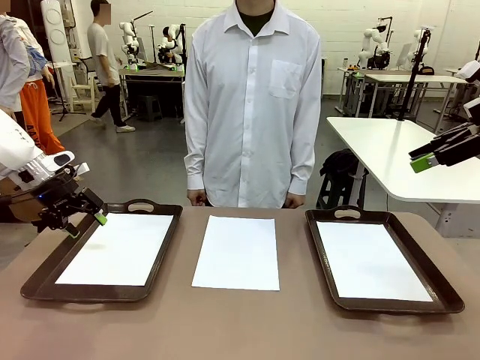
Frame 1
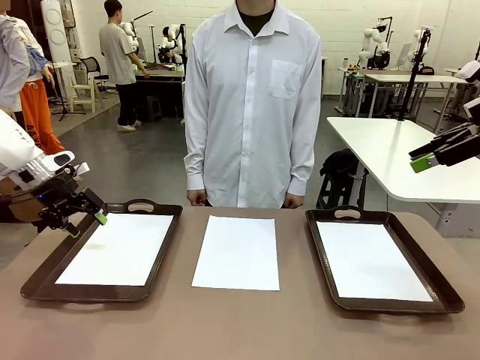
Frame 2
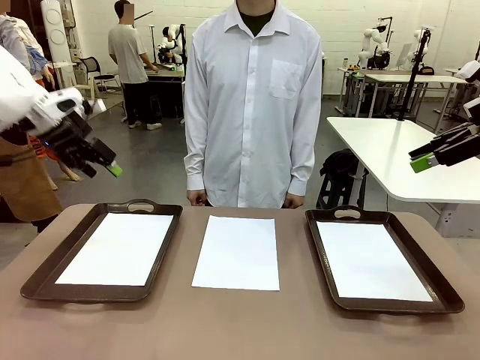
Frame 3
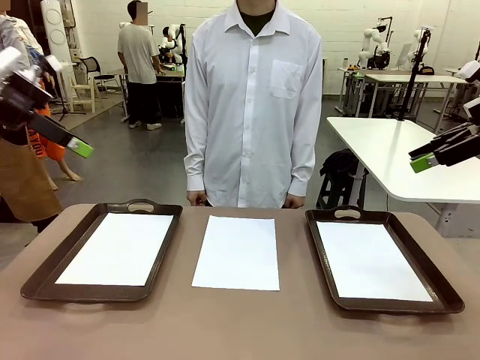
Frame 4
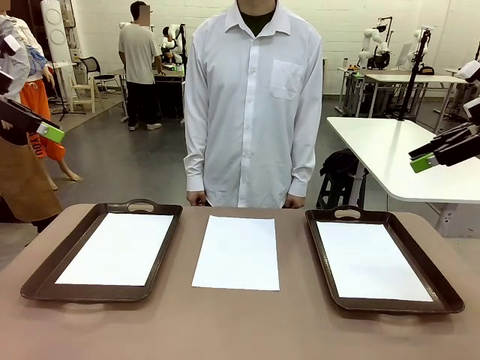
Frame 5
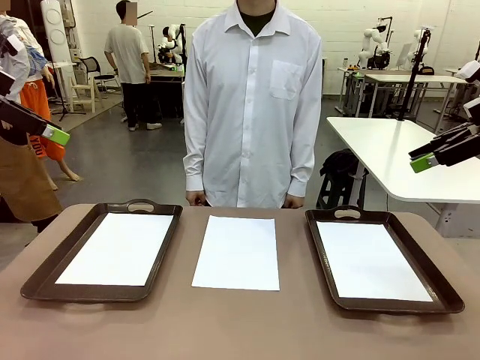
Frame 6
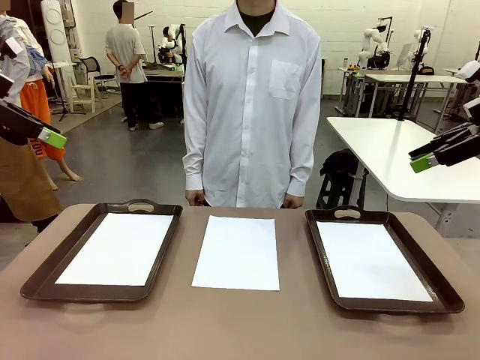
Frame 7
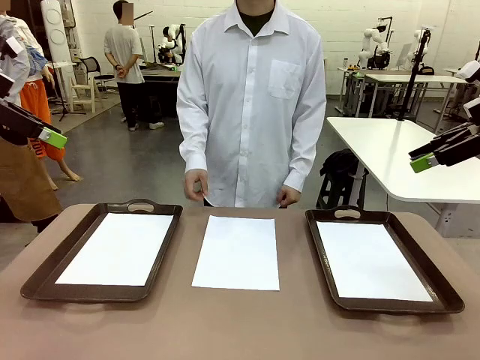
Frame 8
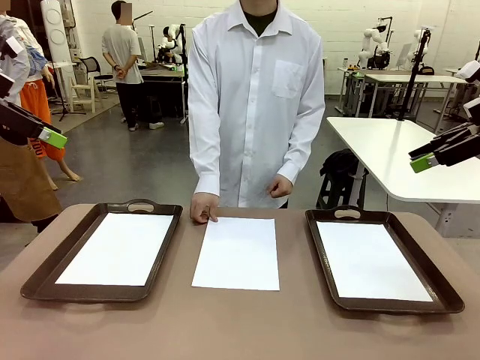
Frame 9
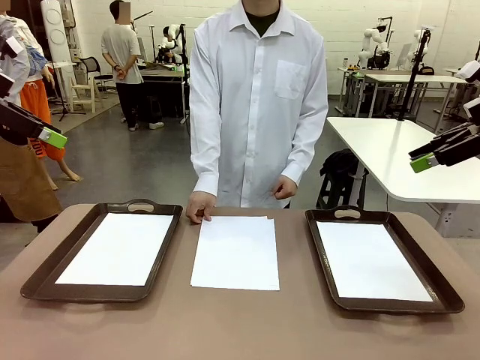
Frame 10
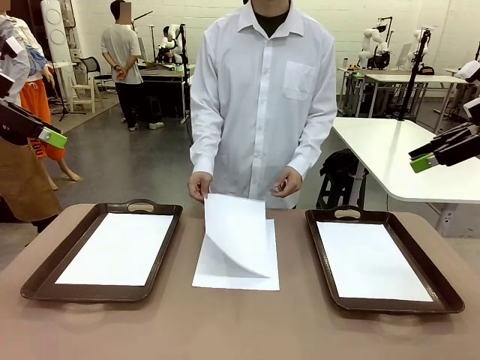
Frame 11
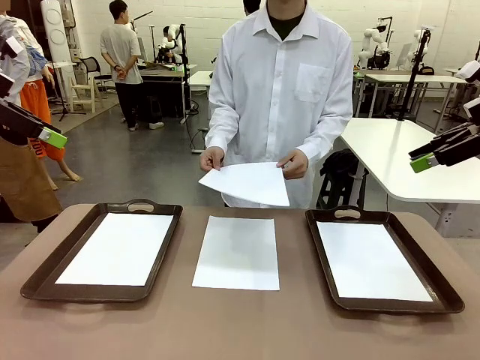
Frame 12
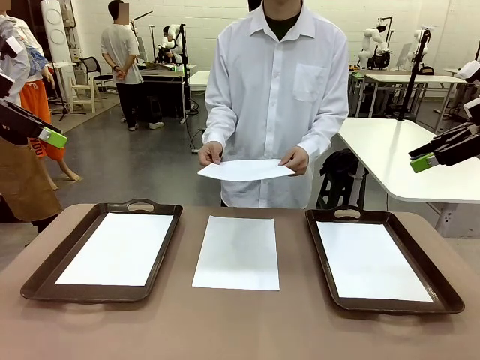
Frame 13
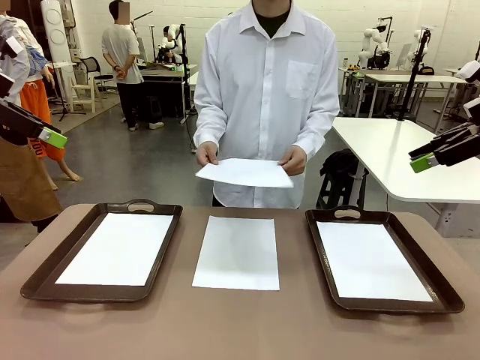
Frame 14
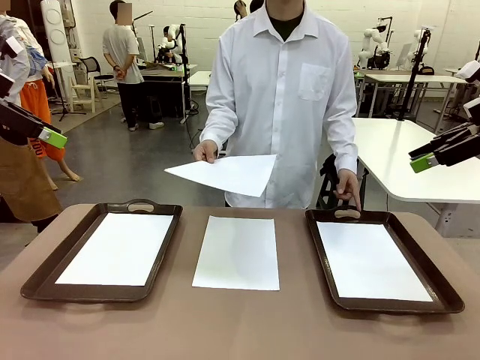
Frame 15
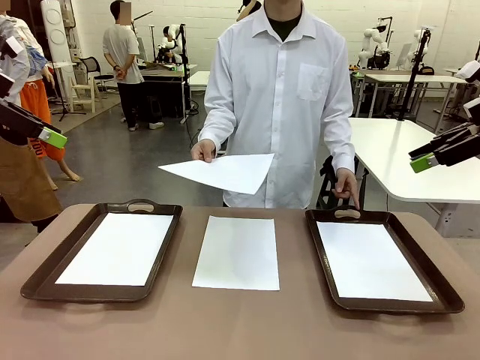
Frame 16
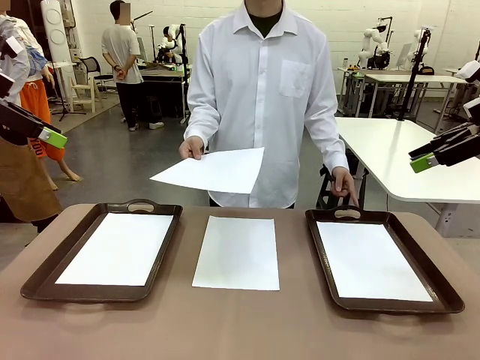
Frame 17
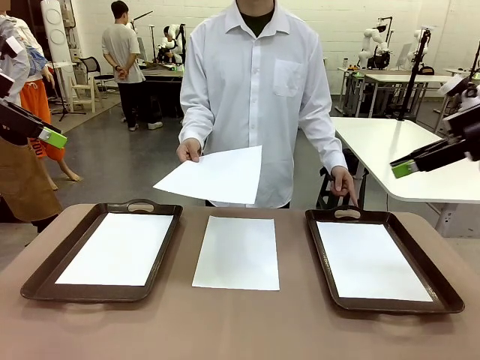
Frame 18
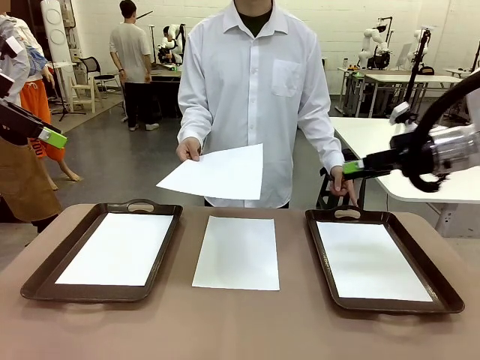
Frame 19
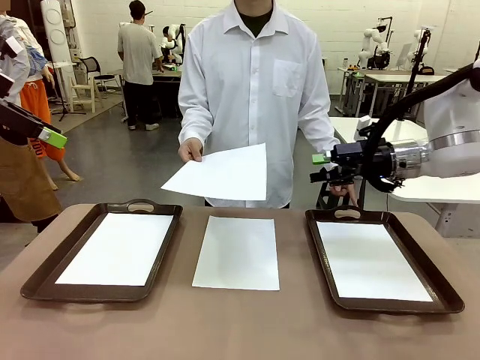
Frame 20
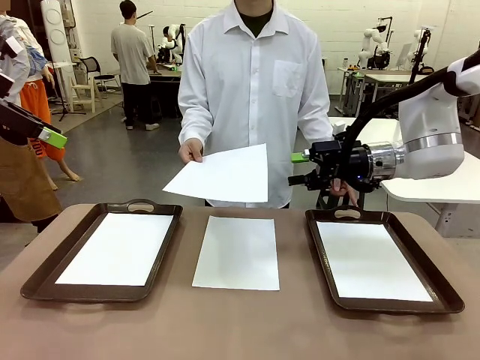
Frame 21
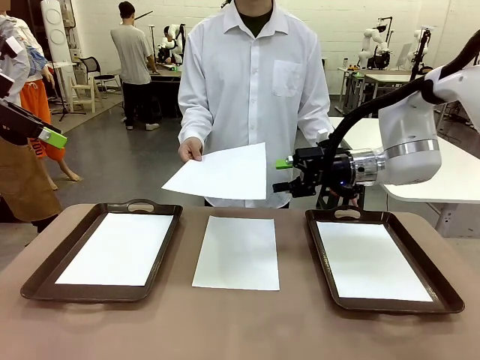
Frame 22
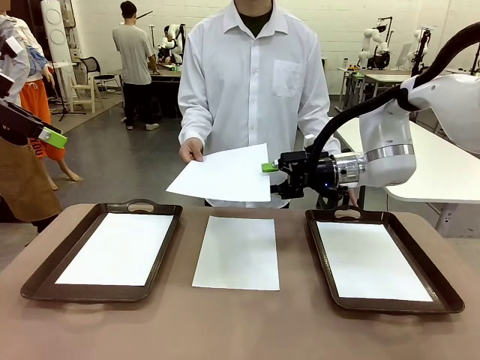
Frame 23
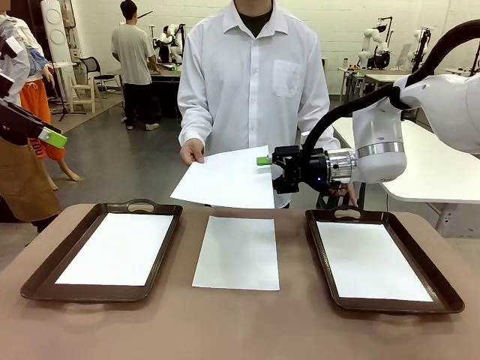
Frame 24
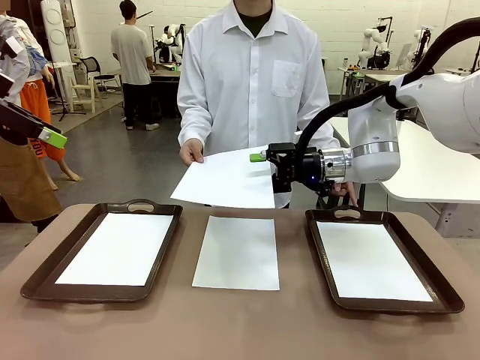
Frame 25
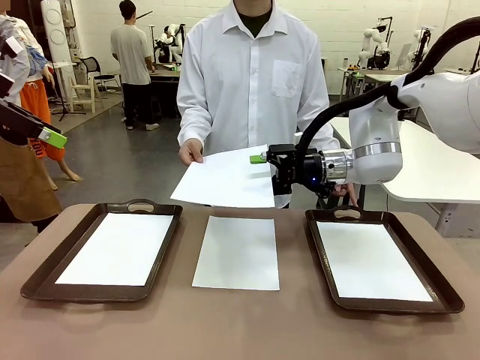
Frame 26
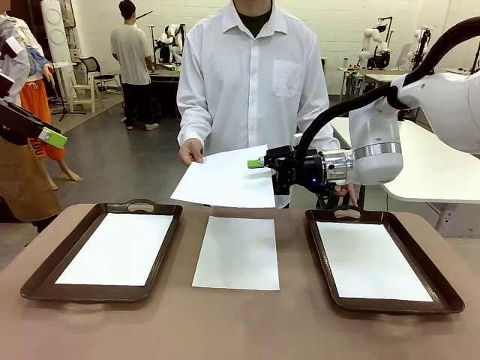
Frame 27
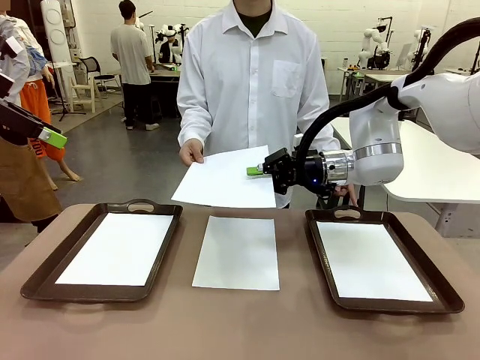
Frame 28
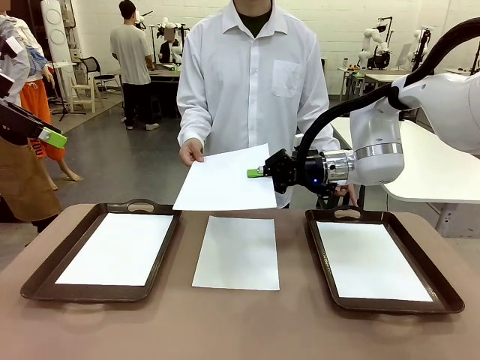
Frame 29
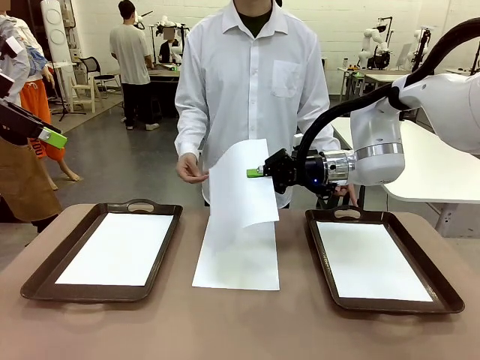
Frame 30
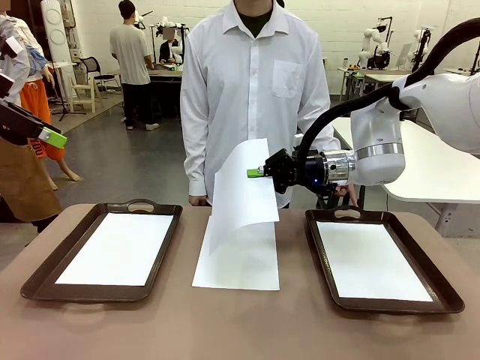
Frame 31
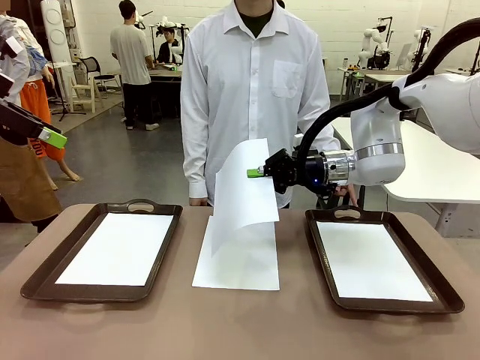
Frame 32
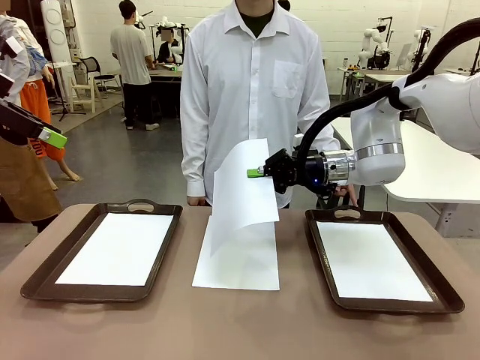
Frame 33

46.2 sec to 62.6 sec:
Task: Sort the A4 documents.
Robot: Receive the A4 Paper.
Person: Point the randomly selected tray with the other hand.

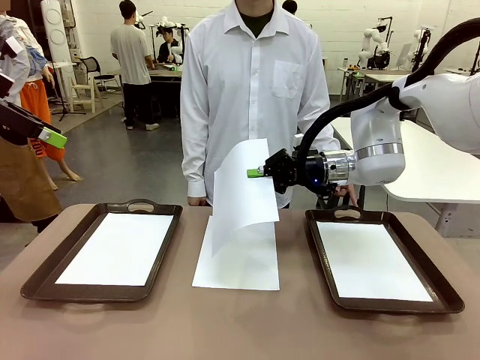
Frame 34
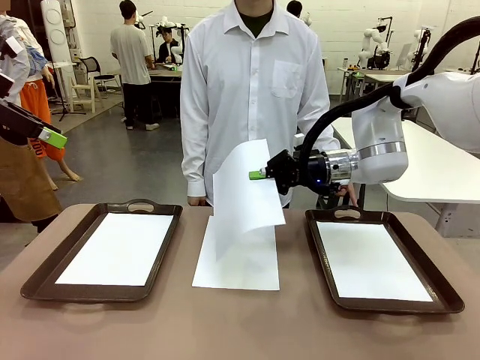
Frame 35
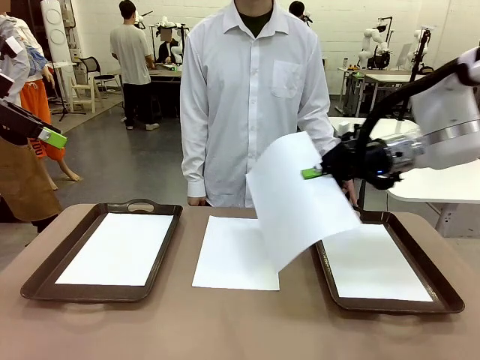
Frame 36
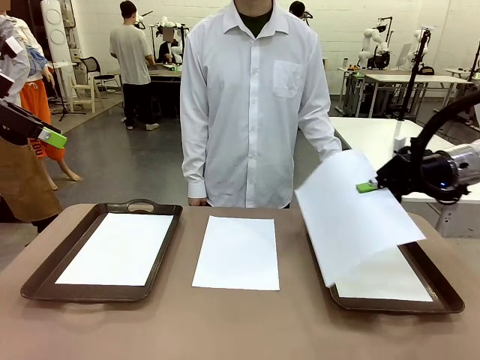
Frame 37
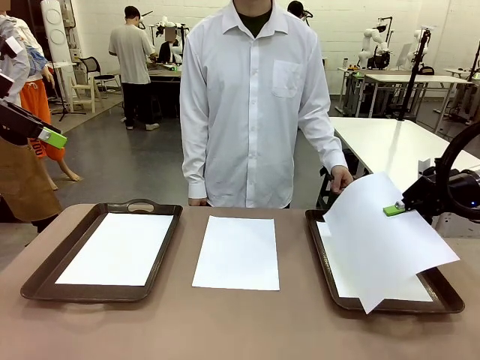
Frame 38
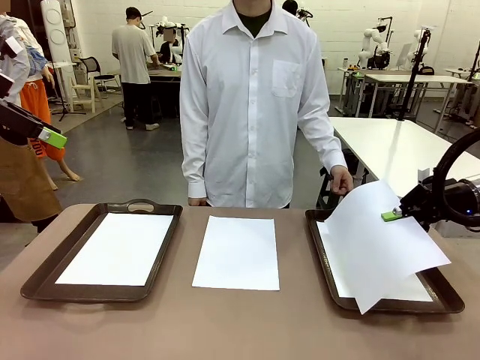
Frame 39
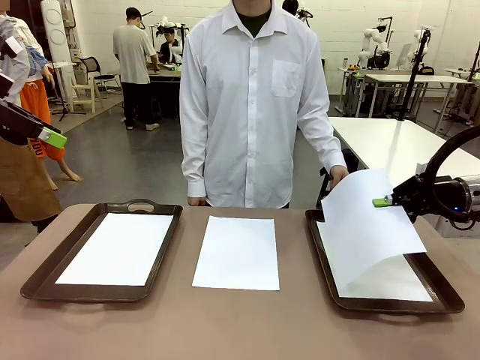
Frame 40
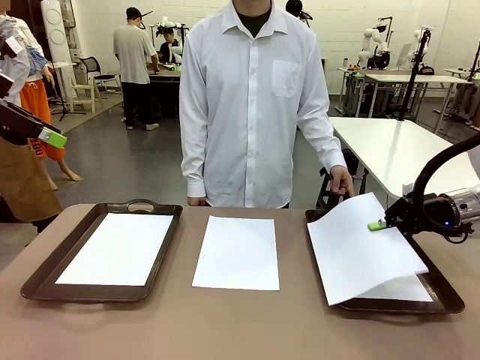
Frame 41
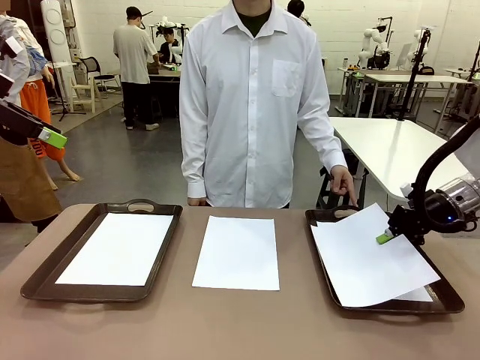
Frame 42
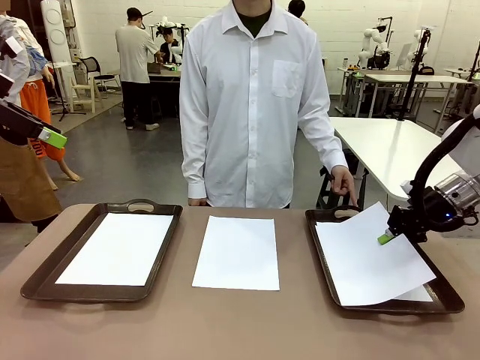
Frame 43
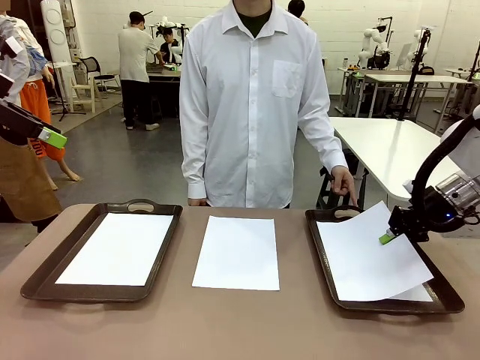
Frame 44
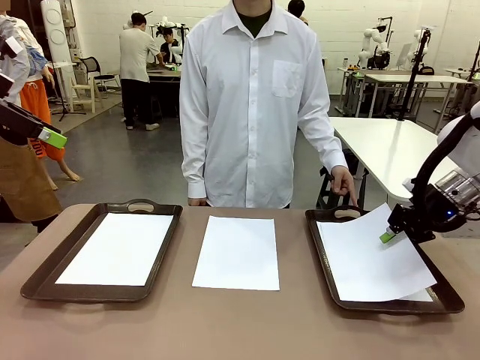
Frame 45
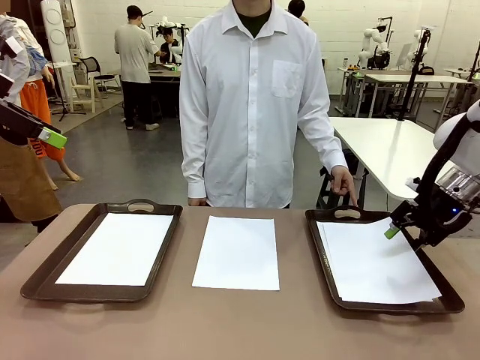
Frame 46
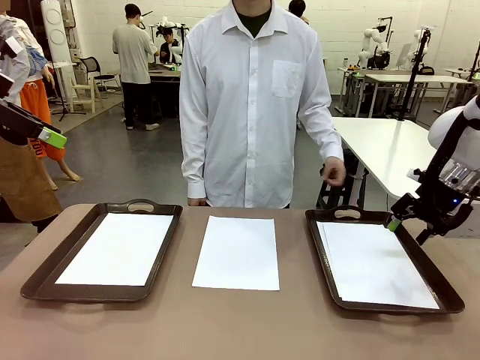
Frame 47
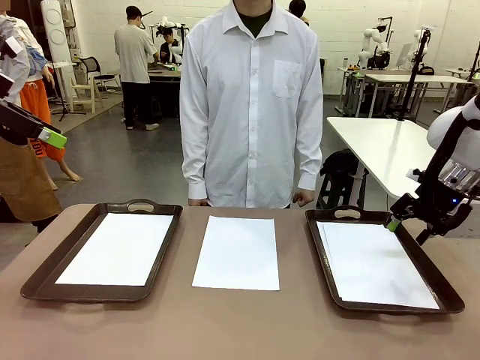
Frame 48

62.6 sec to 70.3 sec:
Robot: Place the A4 Paper in the designated Handle tray.

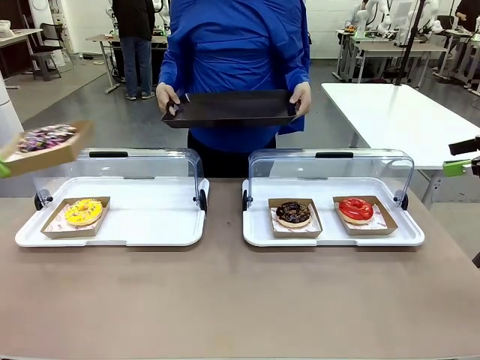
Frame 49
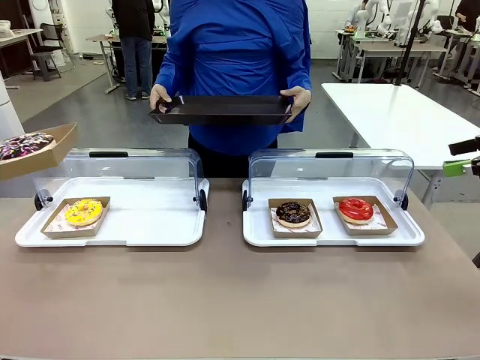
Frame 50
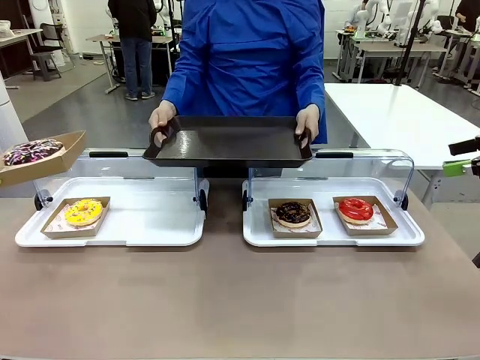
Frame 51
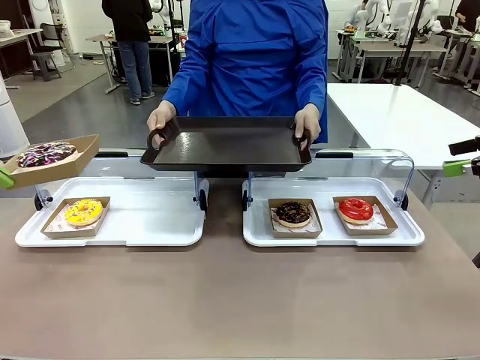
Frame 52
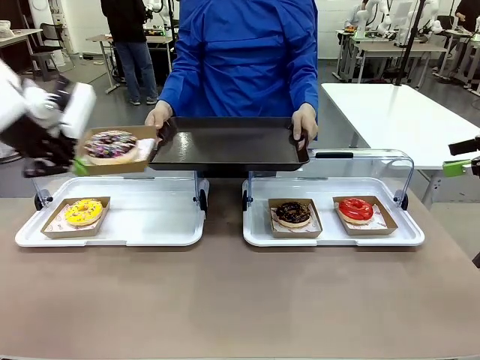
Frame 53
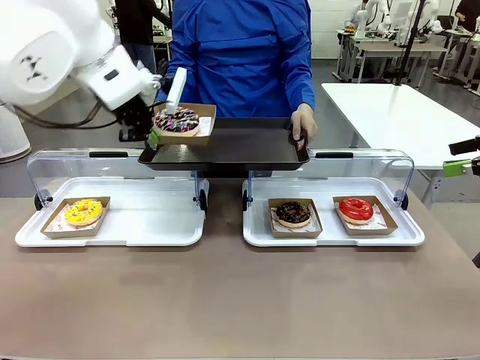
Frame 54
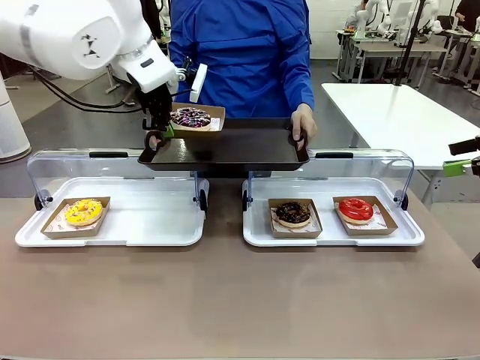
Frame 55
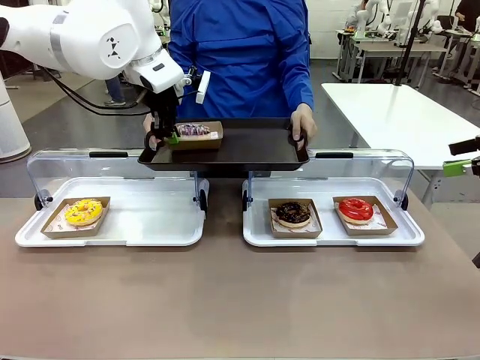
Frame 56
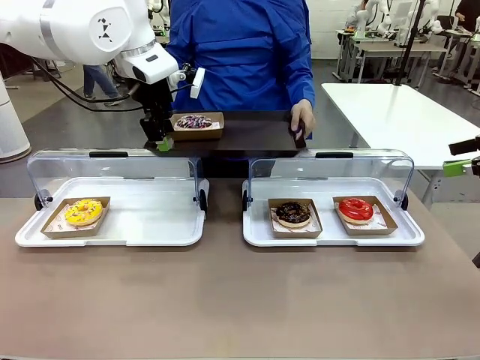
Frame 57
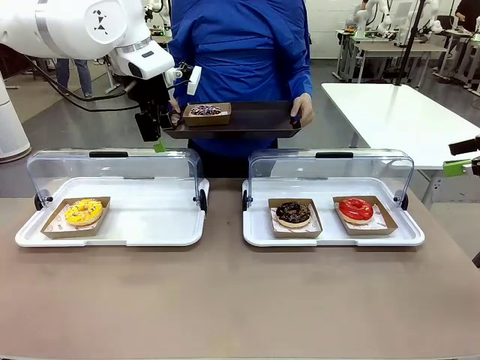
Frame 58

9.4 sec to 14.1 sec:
Task: Provide the desired donut to the person.
Robot: Place the picked Paper togo box onto the Handle tray extended by the person.
Person: Point to one donut.
